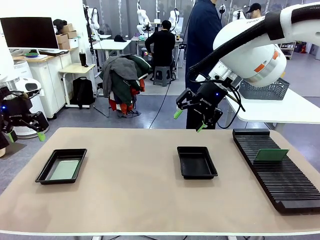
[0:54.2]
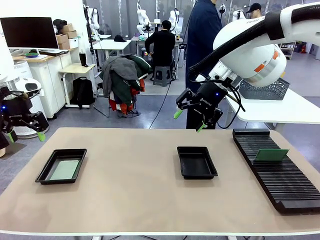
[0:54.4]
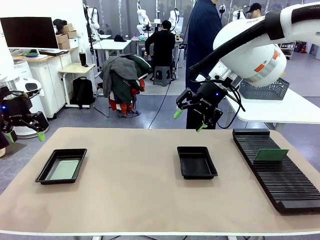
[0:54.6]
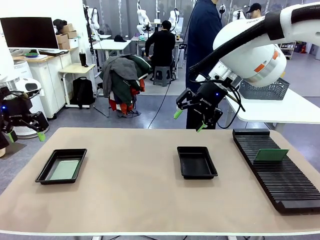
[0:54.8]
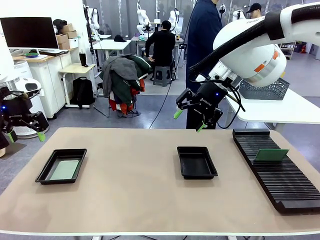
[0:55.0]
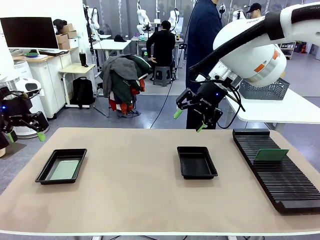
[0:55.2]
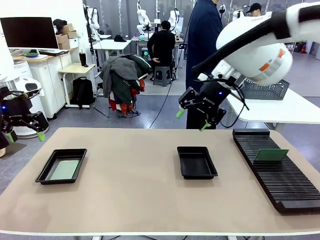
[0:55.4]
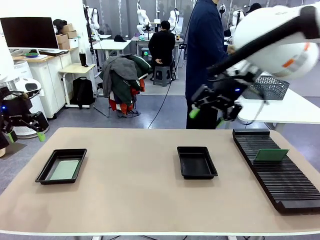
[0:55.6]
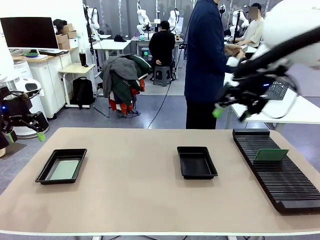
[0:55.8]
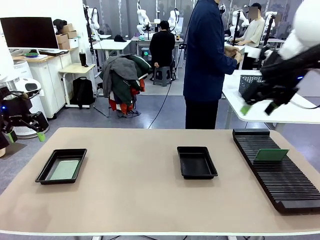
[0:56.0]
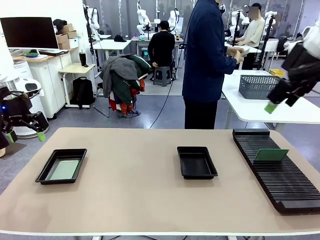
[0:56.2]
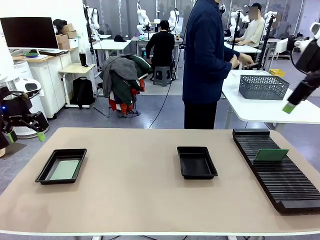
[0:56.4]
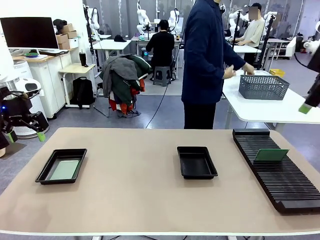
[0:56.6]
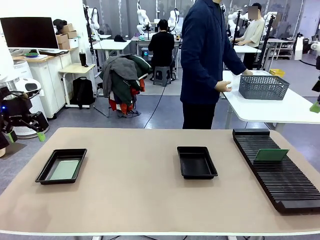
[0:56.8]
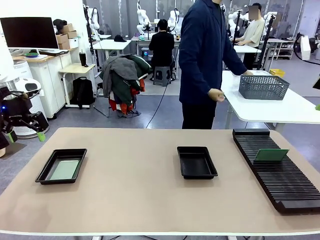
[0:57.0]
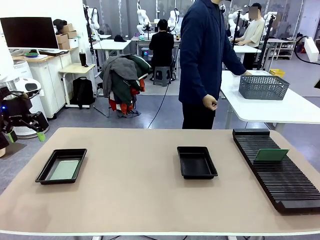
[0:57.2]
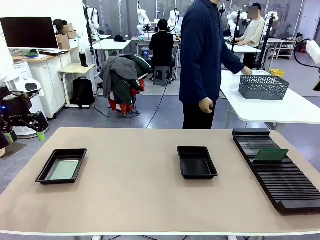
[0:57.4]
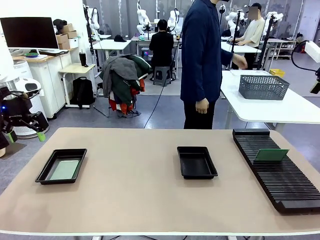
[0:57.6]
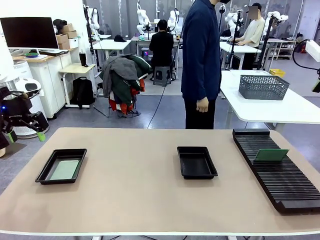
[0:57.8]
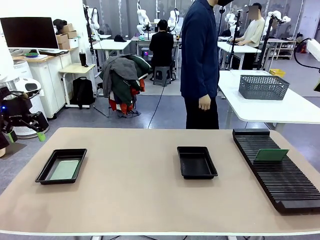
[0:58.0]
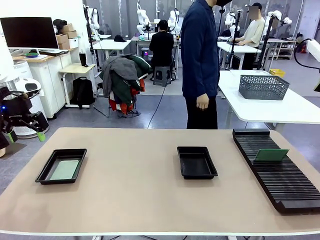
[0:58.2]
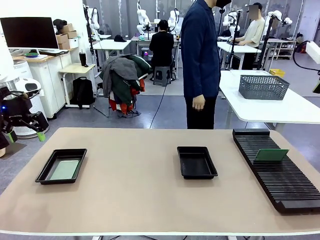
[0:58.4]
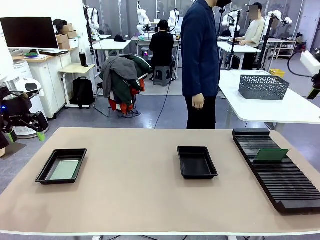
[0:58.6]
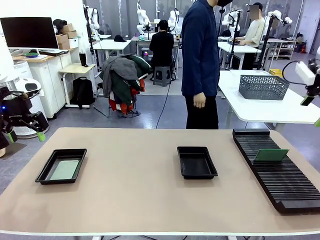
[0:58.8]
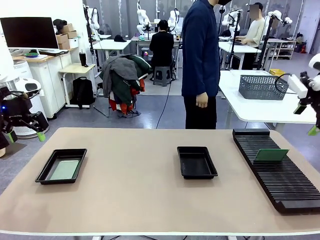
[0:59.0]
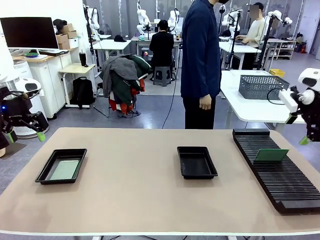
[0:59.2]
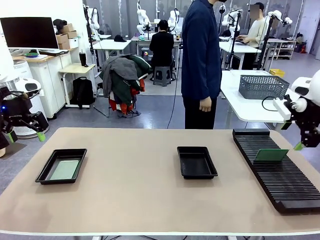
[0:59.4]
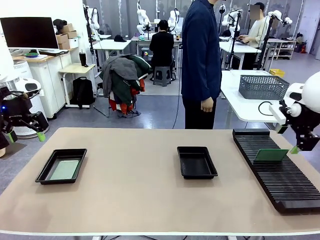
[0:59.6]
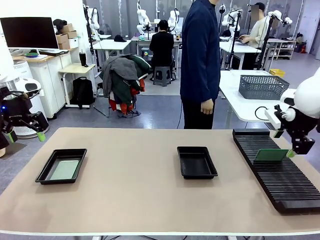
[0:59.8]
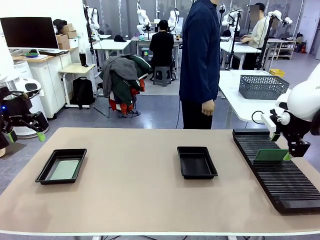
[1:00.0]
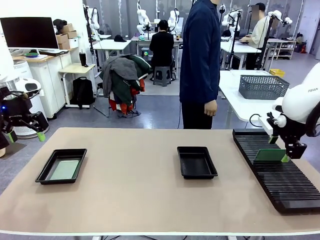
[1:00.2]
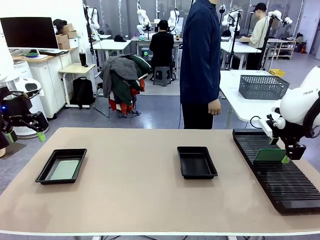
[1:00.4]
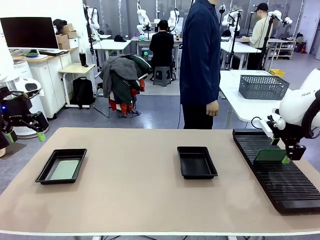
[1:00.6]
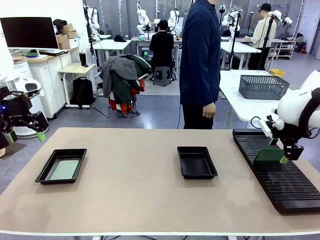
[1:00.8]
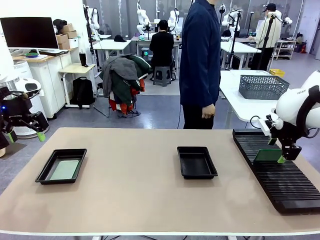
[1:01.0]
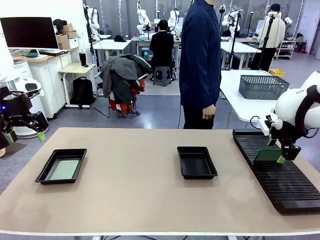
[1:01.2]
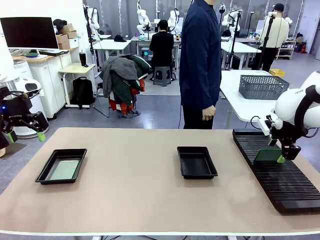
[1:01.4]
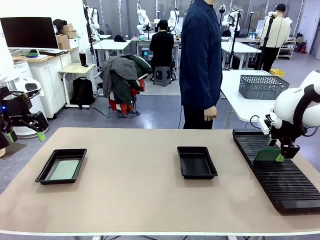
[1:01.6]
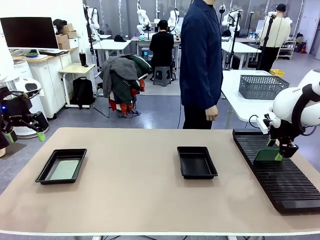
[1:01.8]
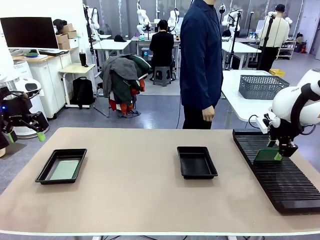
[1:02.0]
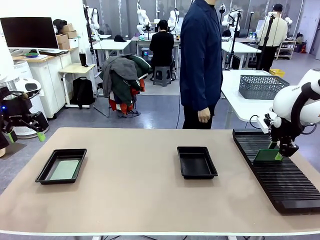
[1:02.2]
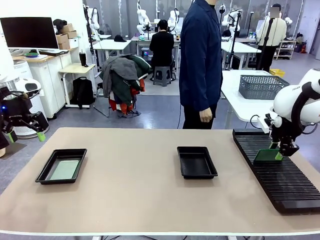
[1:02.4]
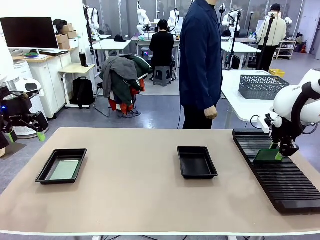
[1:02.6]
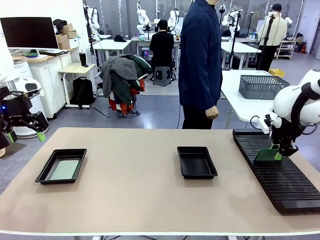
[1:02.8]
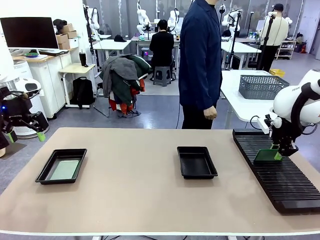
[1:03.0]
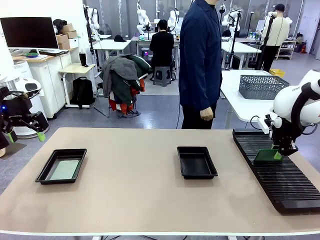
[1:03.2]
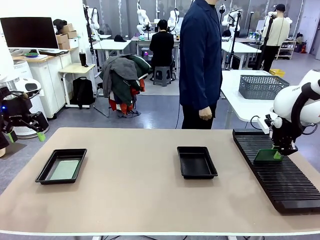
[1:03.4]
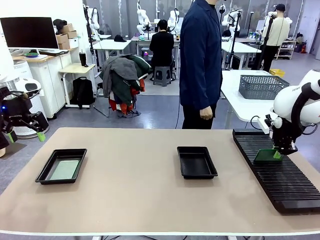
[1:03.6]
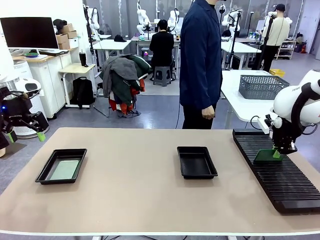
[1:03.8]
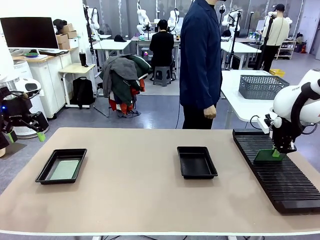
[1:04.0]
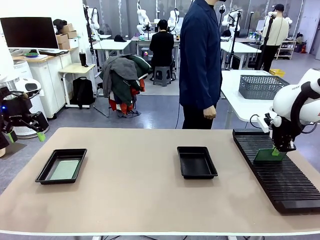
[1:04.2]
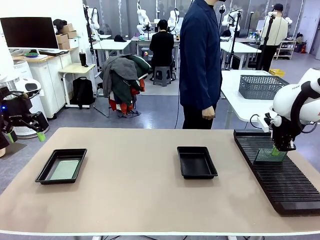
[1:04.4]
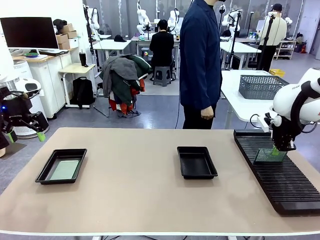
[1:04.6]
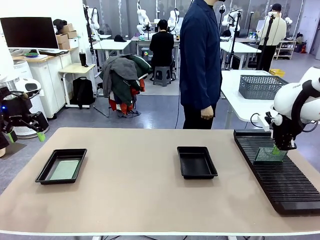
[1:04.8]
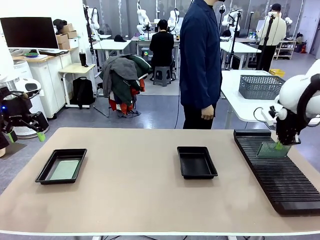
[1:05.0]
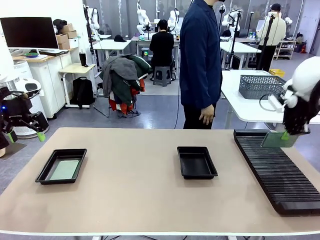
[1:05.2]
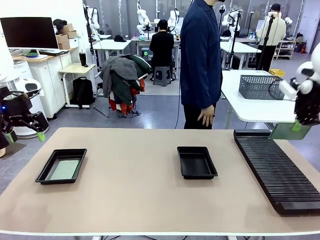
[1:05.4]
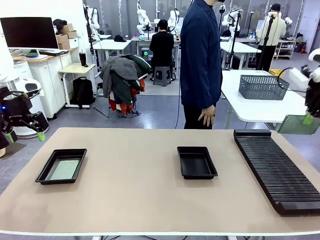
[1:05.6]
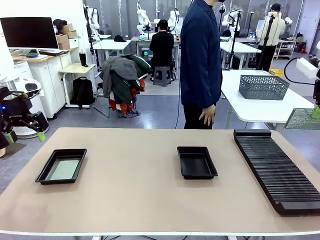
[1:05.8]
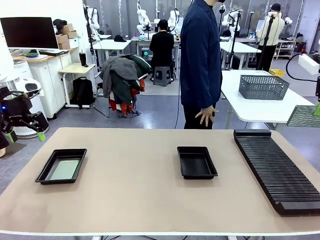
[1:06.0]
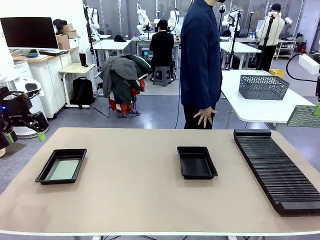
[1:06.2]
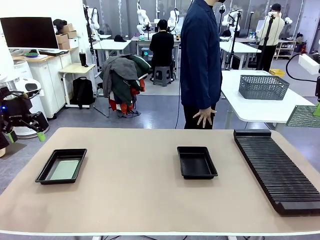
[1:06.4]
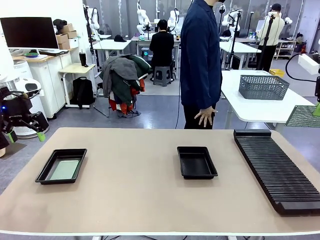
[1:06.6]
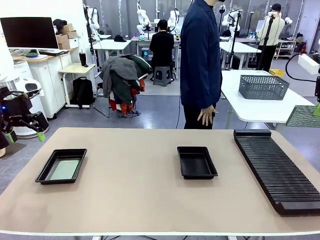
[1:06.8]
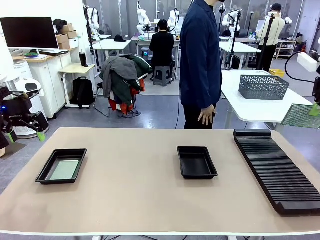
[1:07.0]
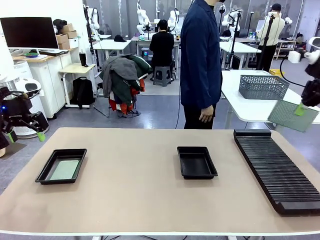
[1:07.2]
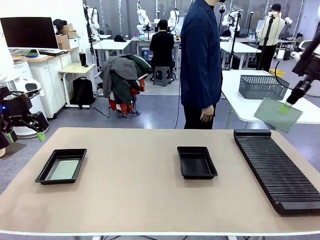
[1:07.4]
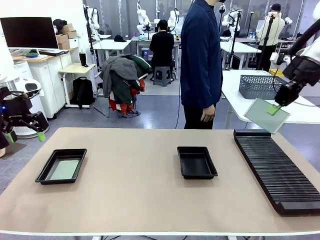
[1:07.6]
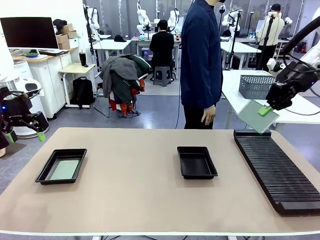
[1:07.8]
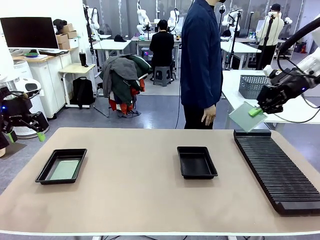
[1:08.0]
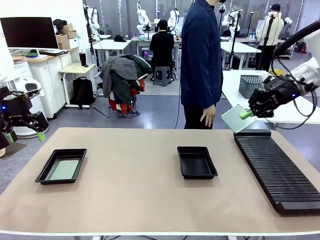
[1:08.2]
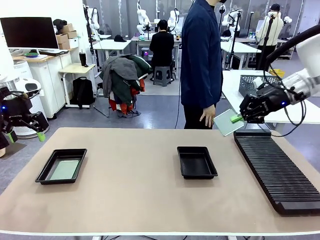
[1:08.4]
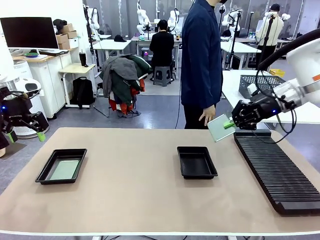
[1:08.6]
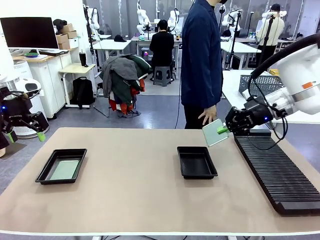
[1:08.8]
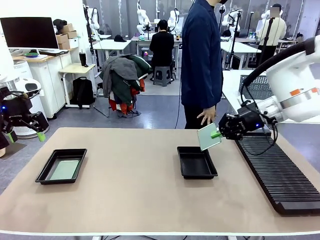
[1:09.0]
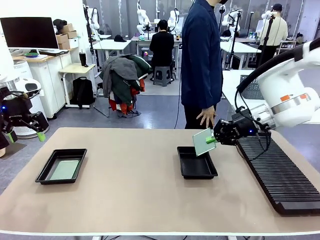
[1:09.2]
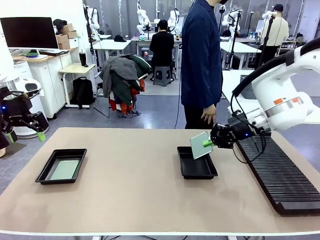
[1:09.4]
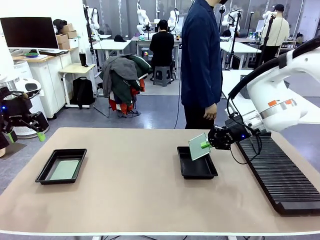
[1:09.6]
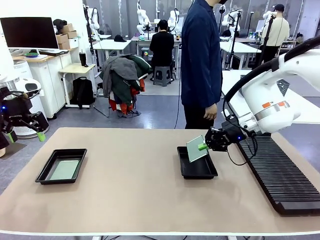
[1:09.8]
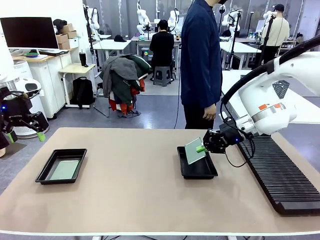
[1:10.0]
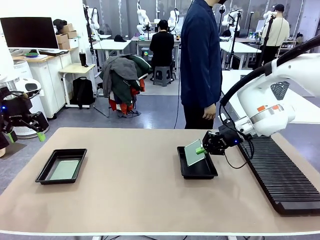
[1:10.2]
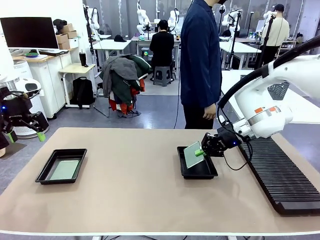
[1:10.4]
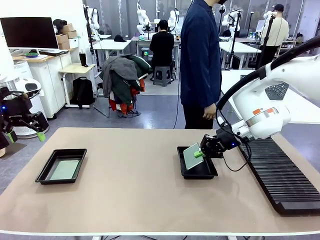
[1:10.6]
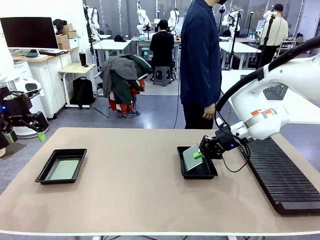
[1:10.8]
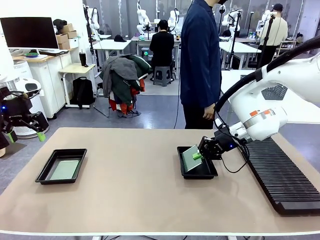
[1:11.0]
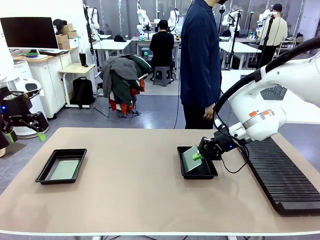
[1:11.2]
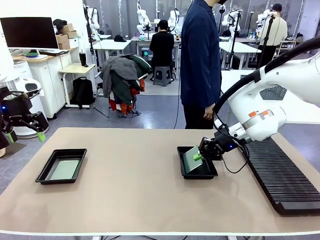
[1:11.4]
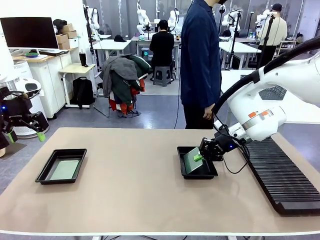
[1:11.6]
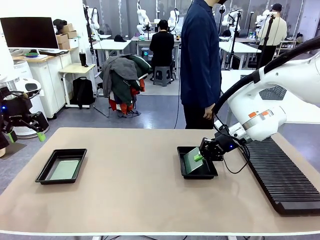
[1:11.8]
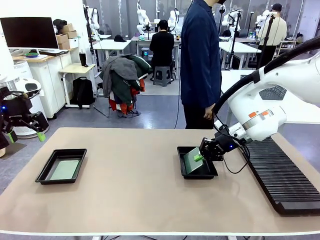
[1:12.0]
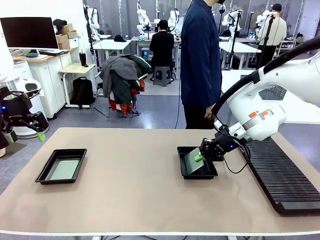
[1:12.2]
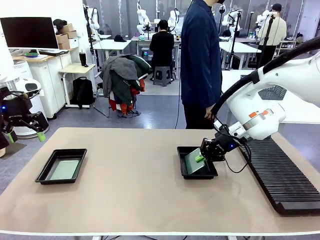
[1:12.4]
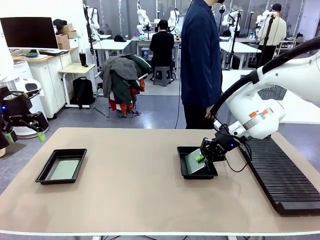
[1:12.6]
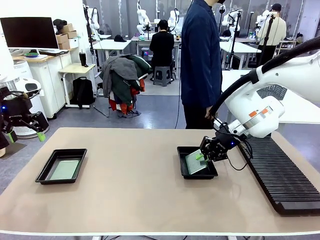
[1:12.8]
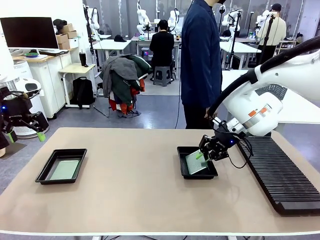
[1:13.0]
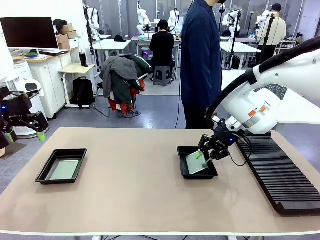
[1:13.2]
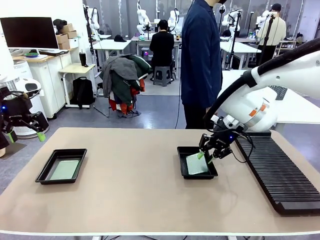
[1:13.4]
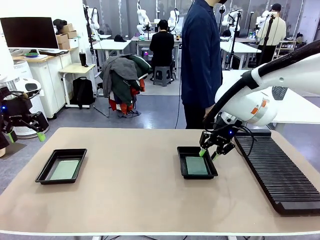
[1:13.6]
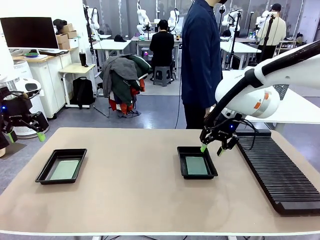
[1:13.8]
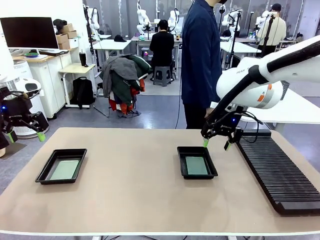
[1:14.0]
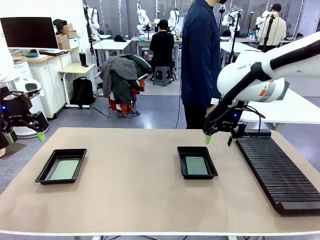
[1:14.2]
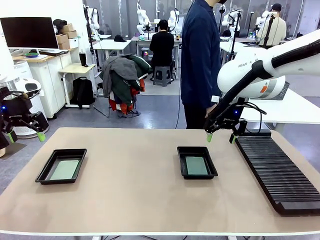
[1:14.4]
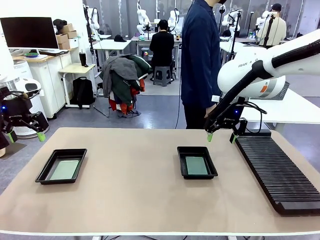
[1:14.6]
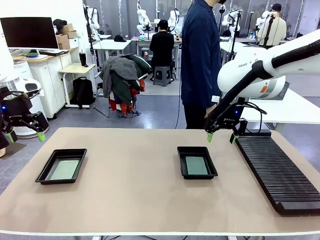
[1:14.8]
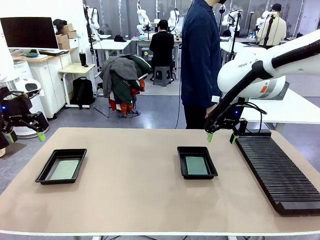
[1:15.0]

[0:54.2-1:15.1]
Task: Inspect and transfer BCBs to ESD trays.
Robot: Pick up the Blank PCB from the PCB Rack and place it in the right ESD tray.
